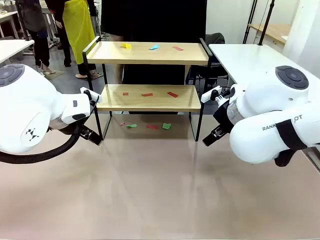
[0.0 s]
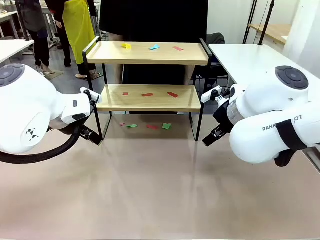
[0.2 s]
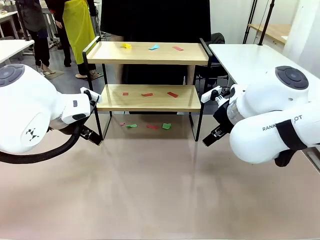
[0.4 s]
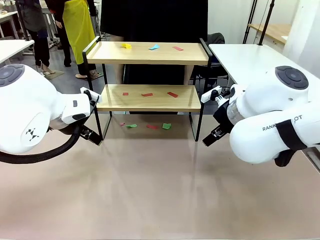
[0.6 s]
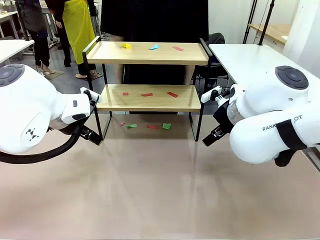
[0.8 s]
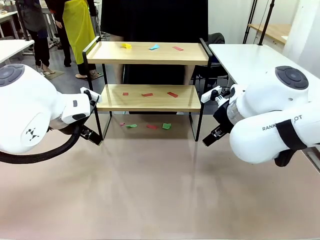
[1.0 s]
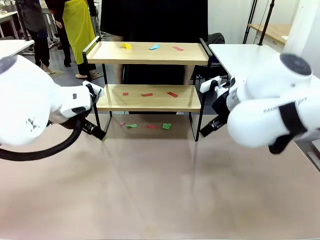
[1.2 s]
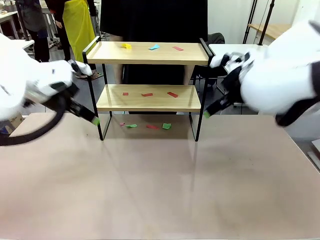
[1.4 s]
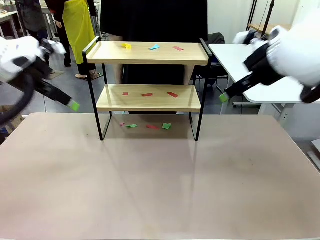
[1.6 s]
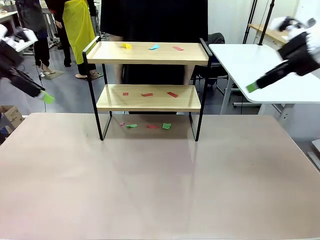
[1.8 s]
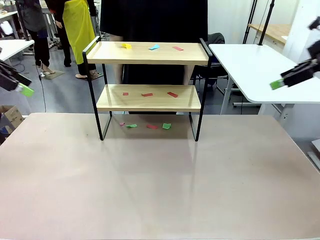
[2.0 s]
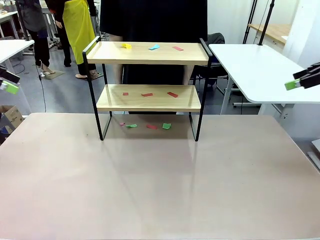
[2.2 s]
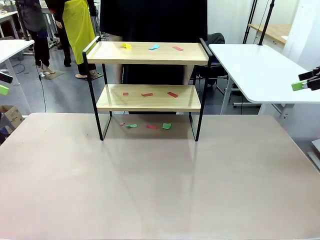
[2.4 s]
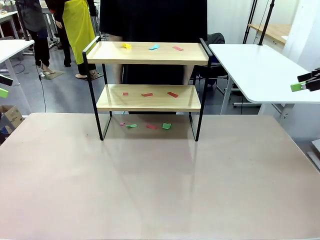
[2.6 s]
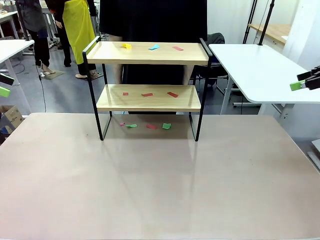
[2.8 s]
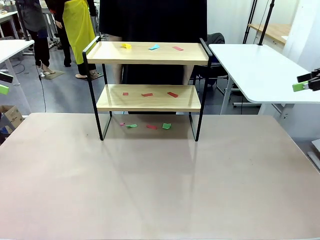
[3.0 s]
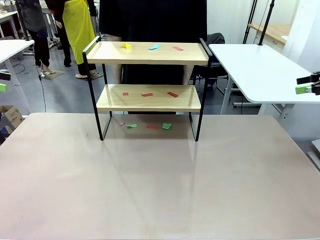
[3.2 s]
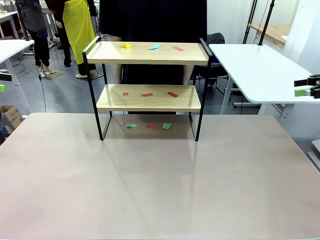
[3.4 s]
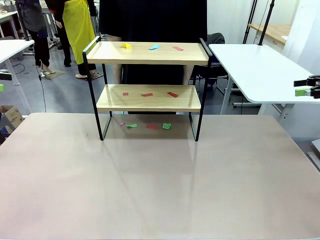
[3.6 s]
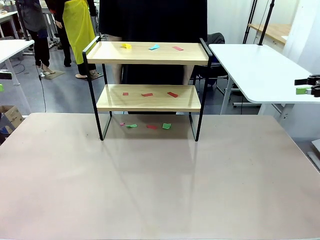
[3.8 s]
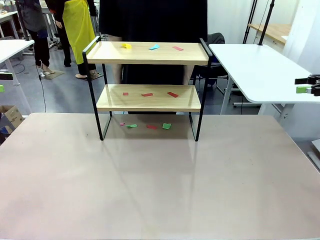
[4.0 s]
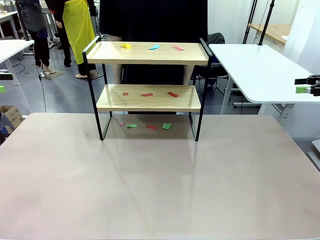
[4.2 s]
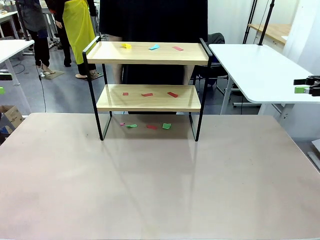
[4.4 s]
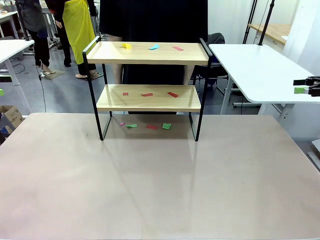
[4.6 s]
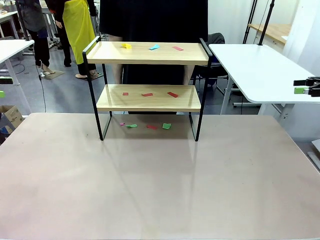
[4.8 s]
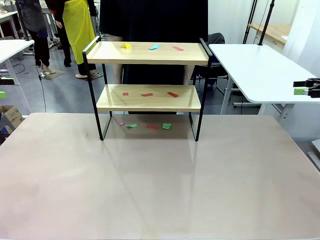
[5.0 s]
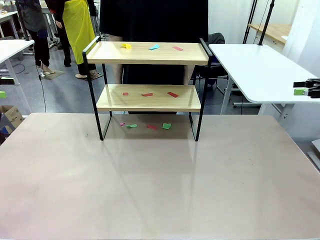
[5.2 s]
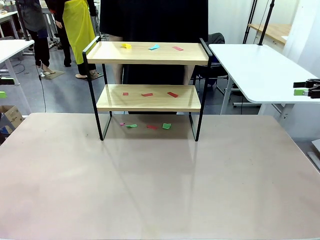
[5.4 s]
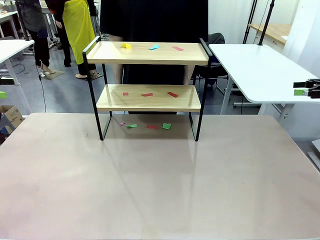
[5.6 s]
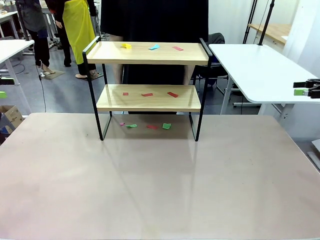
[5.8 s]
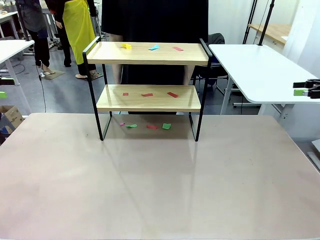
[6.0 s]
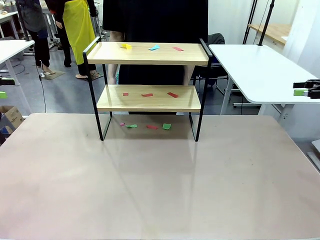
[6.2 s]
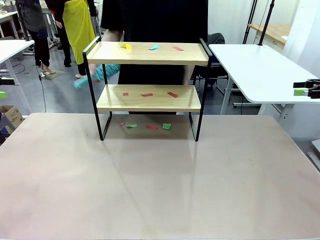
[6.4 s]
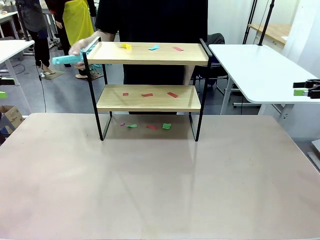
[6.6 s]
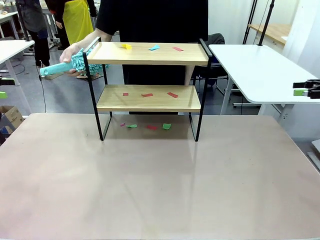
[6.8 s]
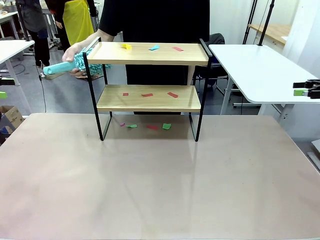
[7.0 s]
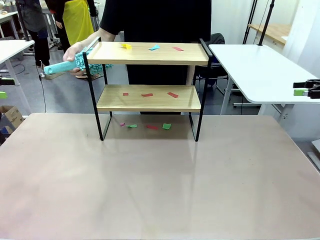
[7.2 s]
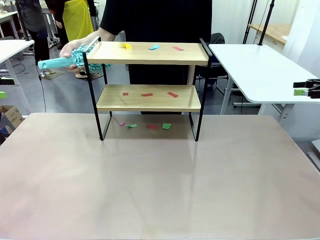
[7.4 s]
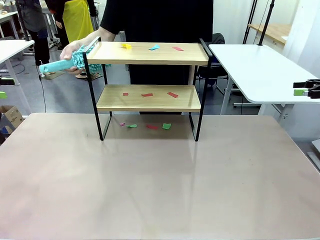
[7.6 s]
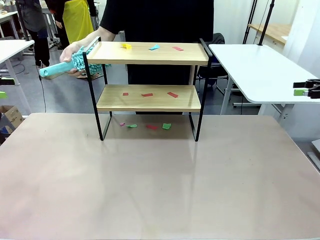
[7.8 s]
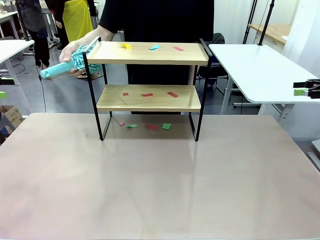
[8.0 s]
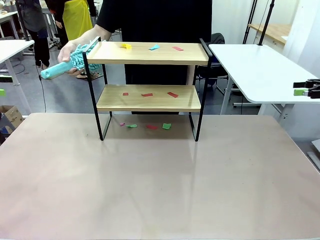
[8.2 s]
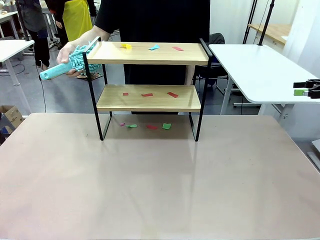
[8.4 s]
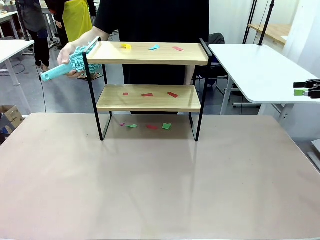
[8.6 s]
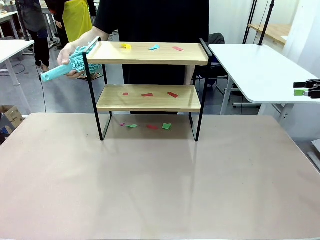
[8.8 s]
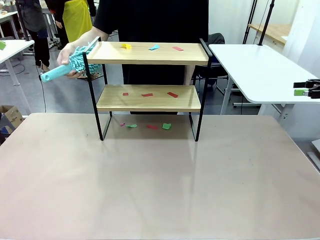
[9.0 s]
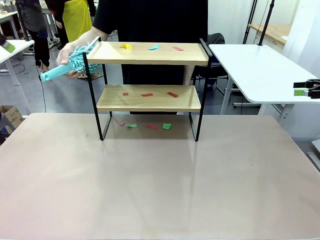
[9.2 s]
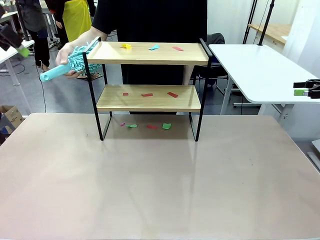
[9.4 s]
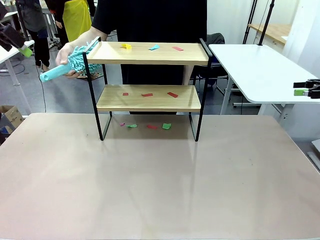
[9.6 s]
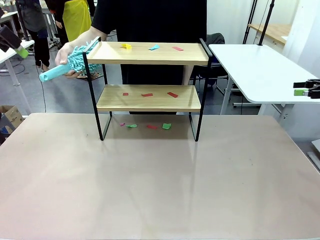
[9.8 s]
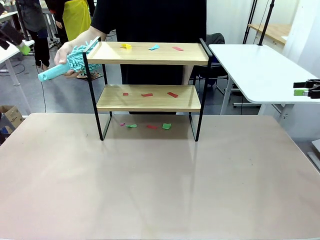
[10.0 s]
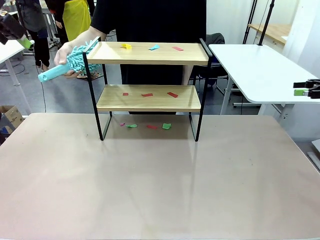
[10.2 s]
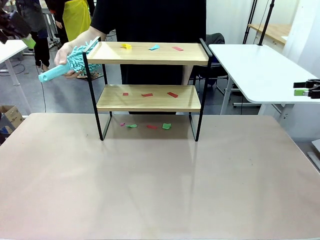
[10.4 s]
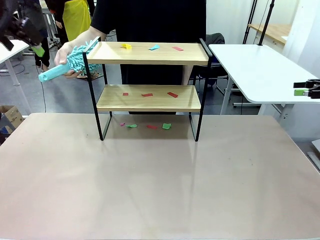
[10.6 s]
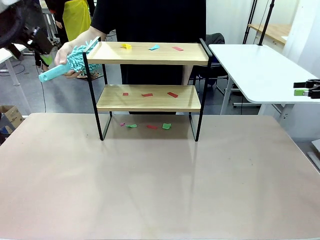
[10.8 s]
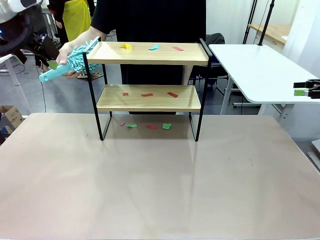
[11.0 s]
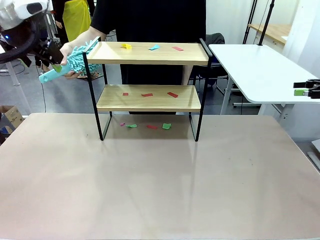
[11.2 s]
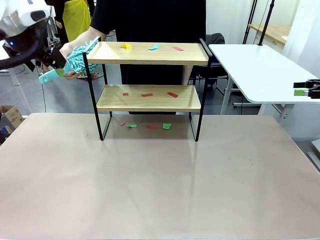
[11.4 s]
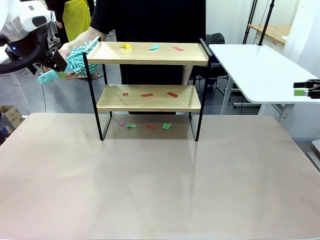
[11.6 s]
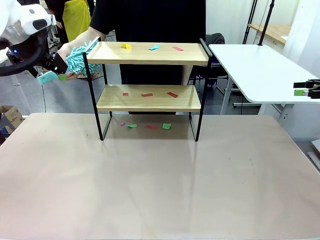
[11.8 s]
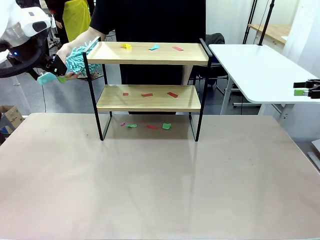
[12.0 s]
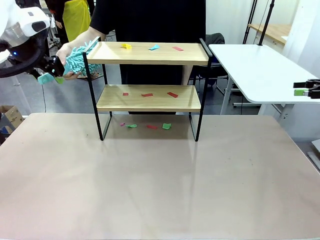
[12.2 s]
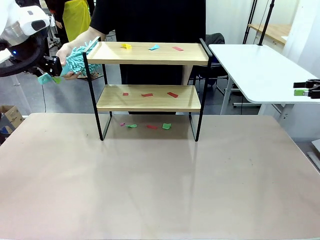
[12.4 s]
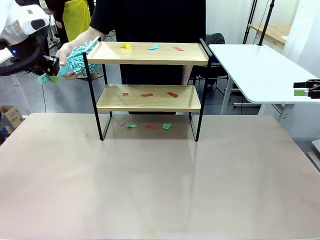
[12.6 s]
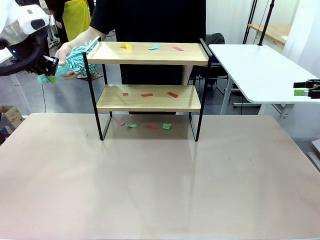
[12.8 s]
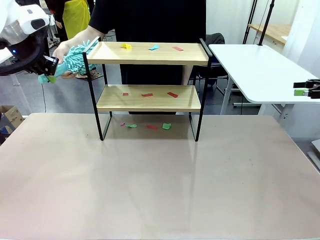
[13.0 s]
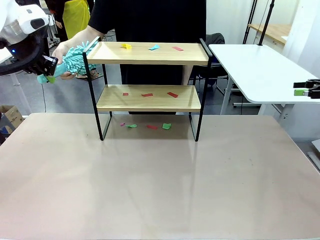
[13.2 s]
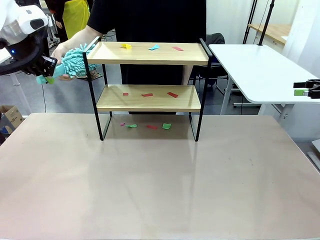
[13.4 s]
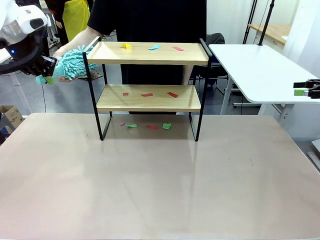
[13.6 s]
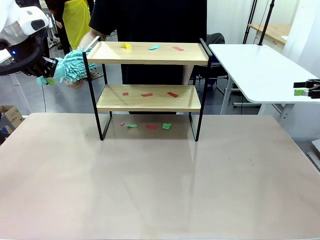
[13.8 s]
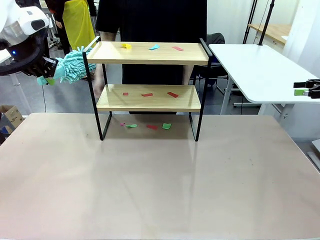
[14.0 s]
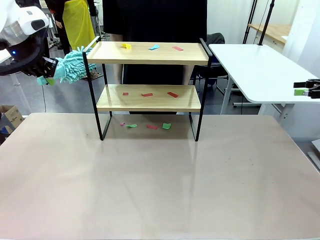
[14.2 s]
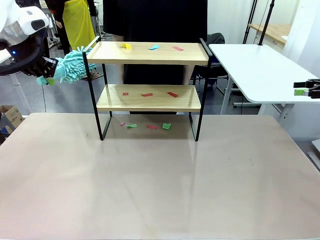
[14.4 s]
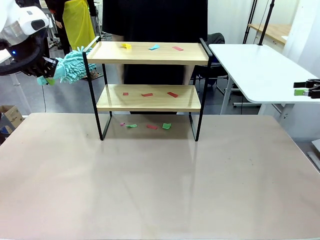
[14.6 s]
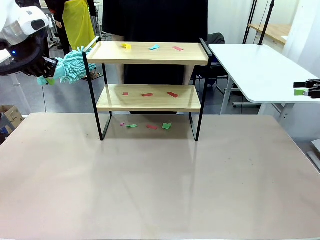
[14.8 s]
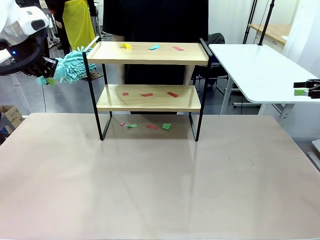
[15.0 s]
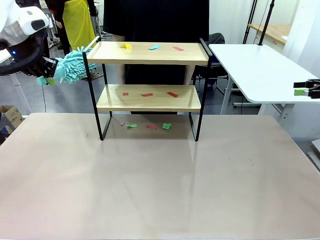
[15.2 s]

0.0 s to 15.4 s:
Task: Clean the shelf.
Robot: Pick up the Duster handed by the human.
Person: Hand the Duster to the robot.
